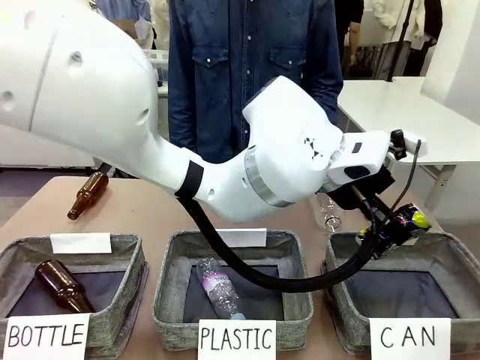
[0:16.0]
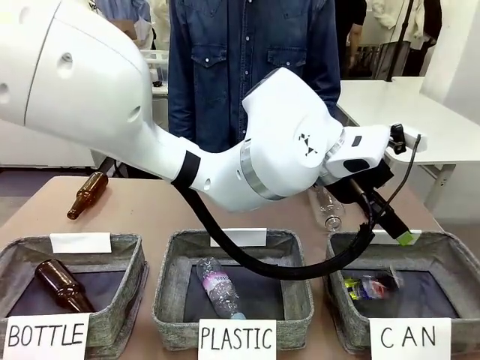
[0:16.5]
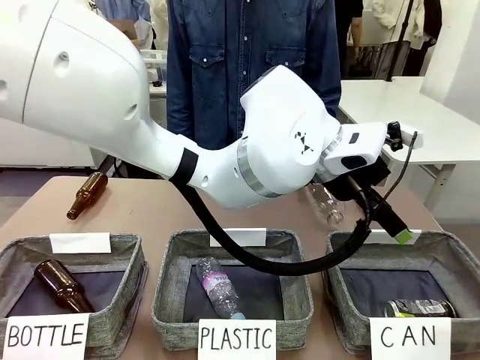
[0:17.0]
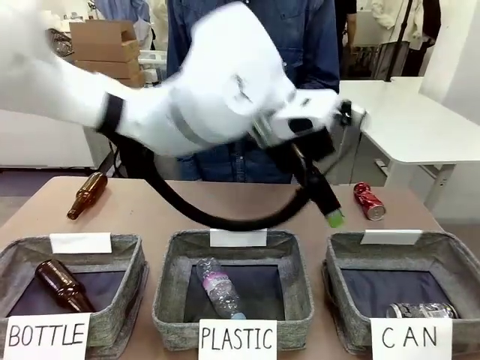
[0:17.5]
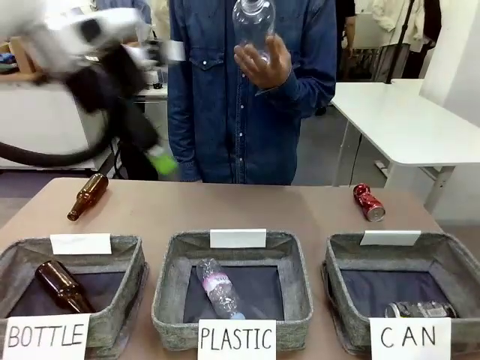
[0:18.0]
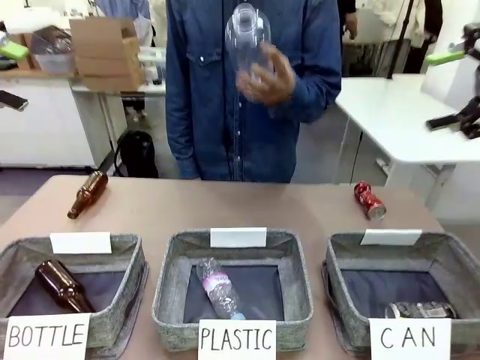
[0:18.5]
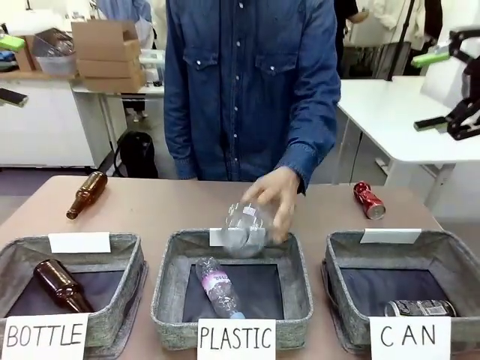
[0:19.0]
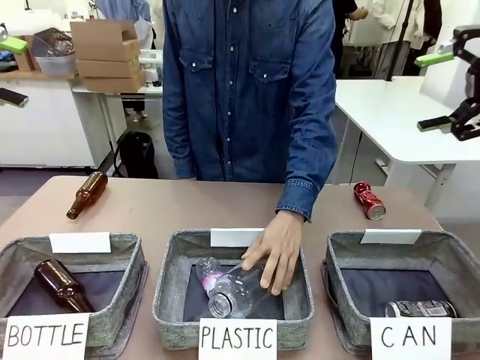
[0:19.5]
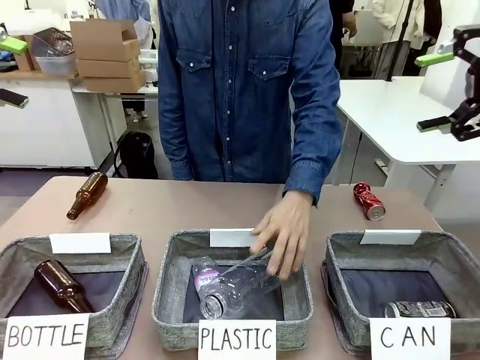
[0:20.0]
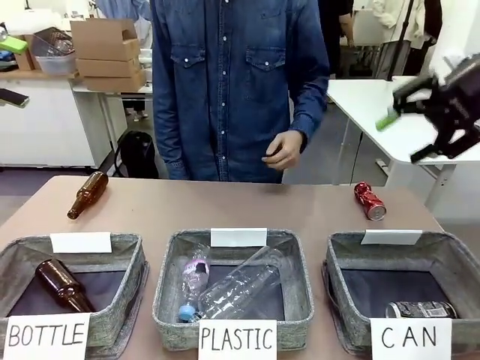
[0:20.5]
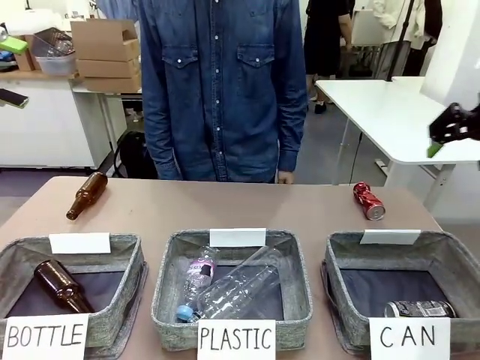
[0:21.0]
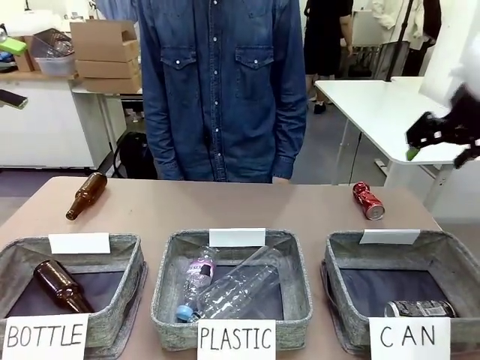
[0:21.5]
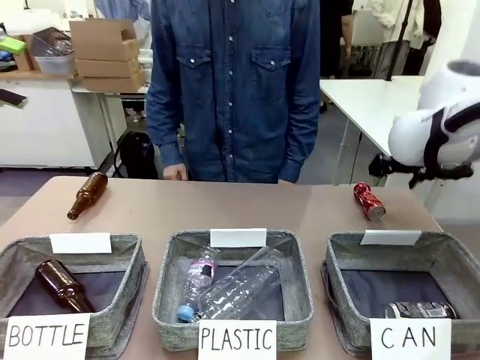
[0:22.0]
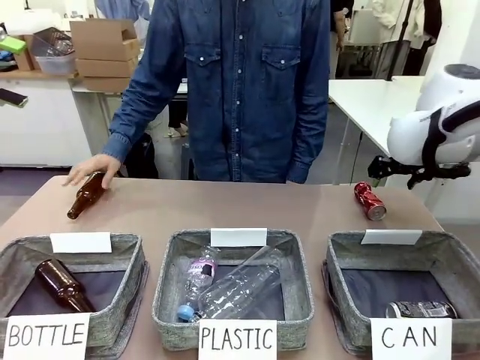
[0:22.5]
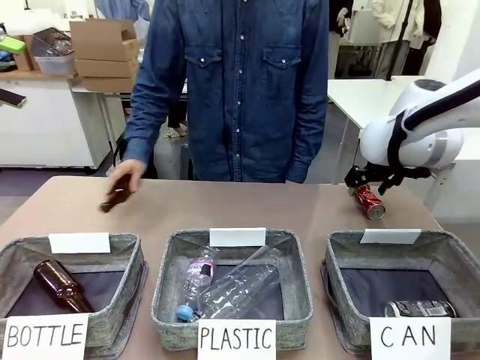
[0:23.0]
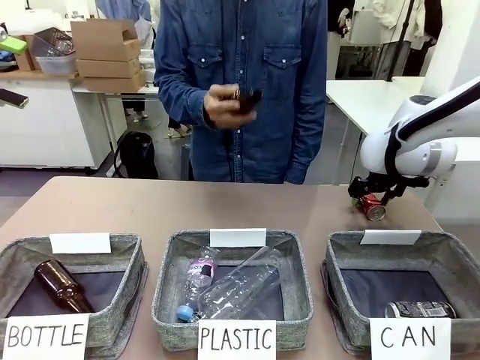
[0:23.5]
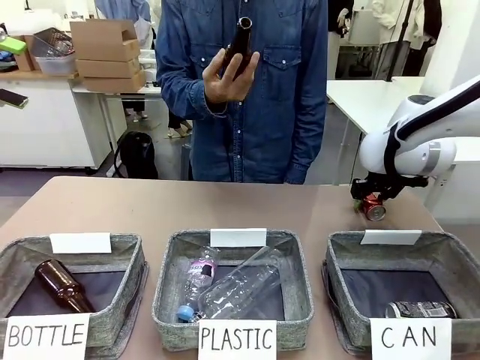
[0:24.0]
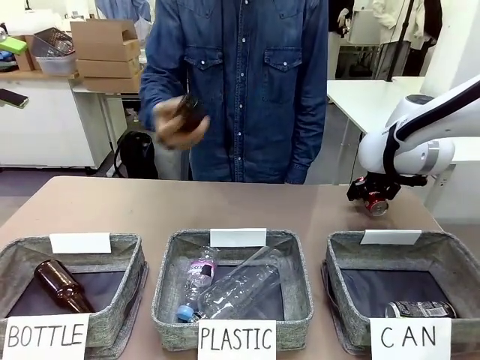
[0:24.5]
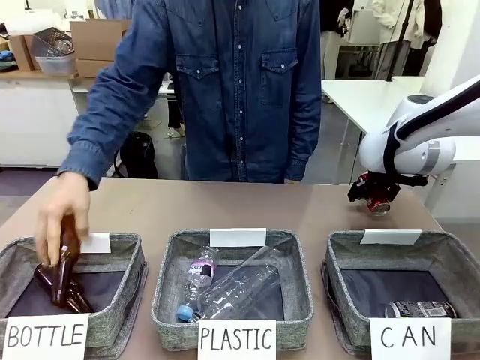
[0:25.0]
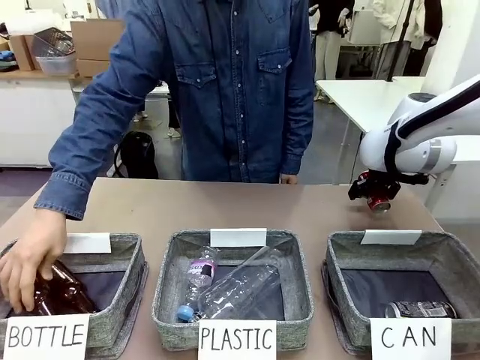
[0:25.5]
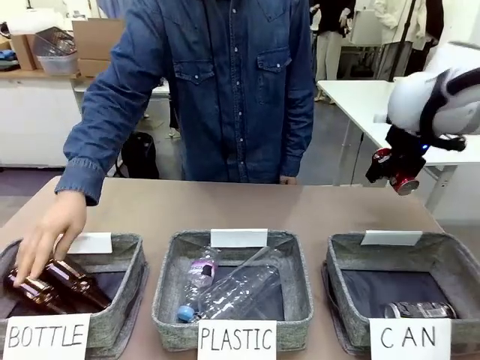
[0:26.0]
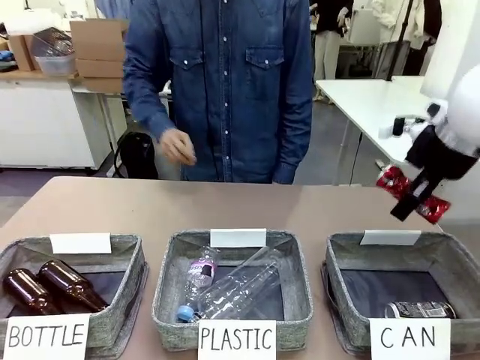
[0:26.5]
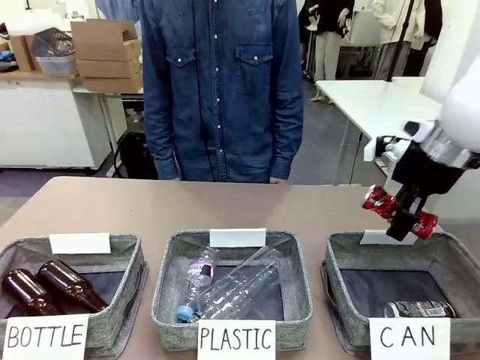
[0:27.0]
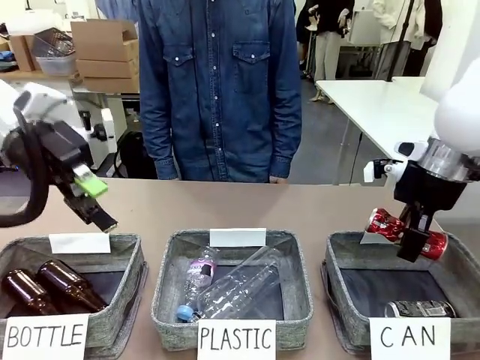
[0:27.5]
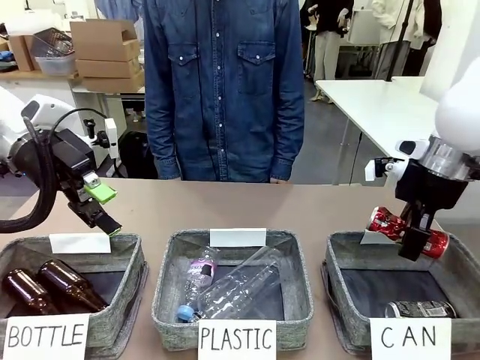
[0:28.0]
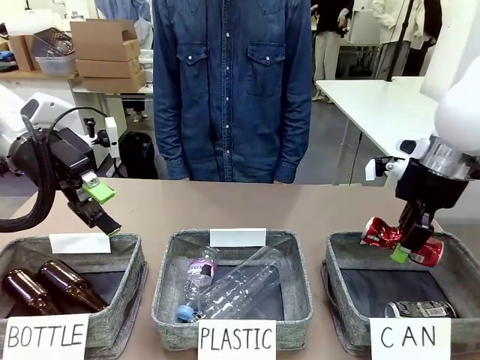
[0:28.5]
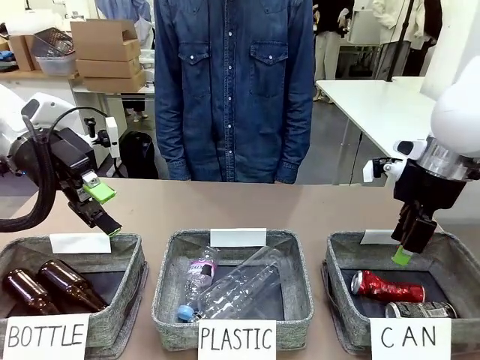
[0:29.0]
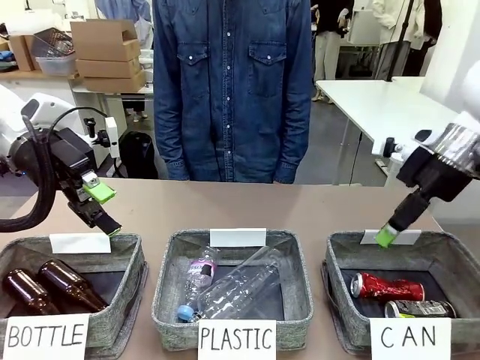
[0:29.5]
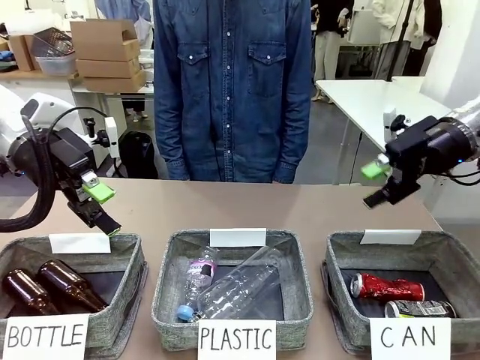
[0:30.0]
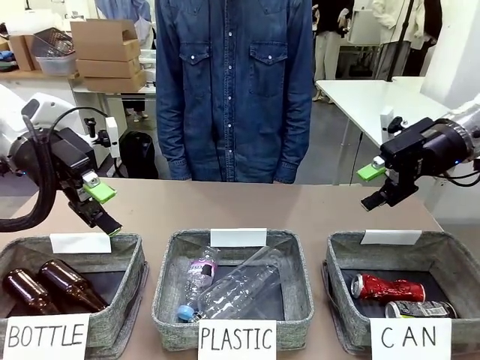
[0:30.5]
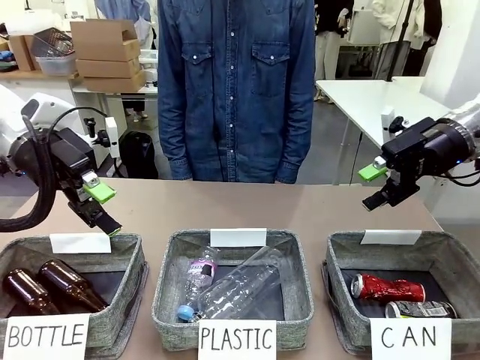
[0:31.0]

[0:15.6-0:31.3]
Task: Sort the can waste into the basket.
Robot: Pick up the can waste from the table and place it in the right Fabric basket.
Person: The human picks up one piece of trash that is not a can and places the trash into the appropriate organizing basket.
